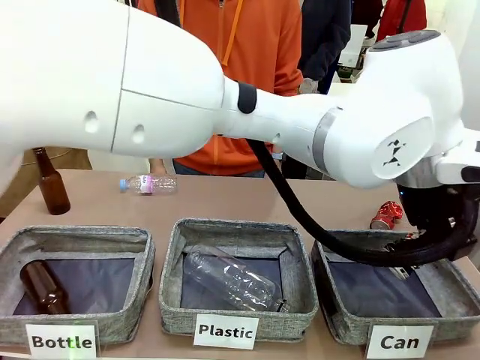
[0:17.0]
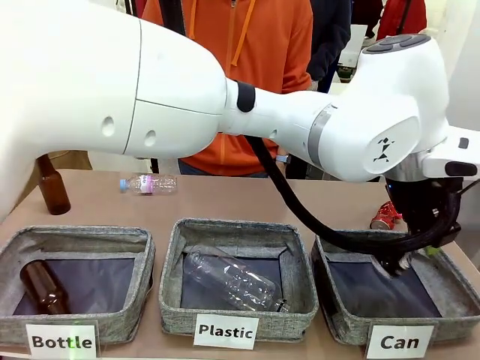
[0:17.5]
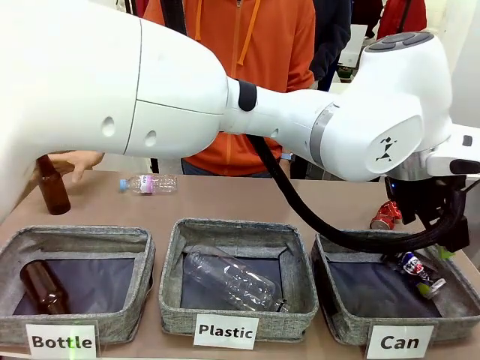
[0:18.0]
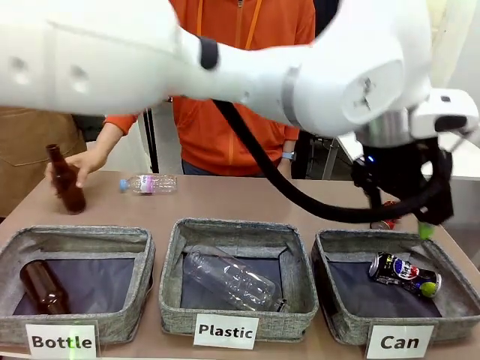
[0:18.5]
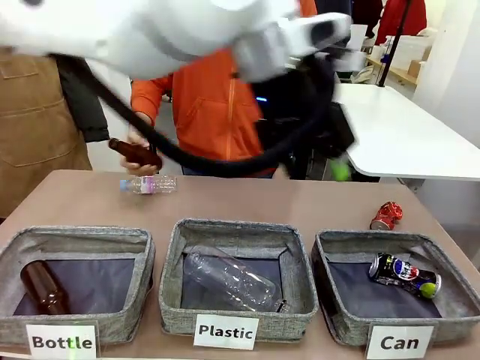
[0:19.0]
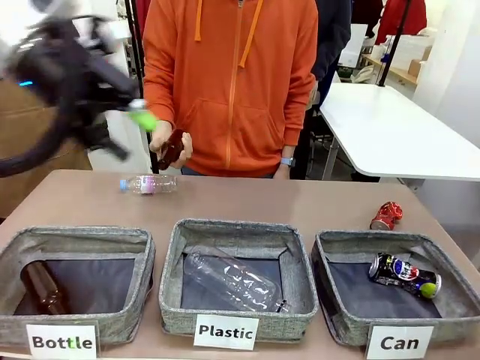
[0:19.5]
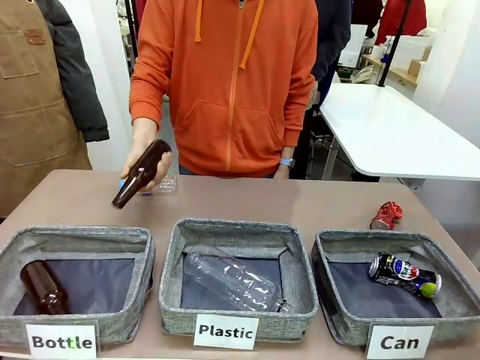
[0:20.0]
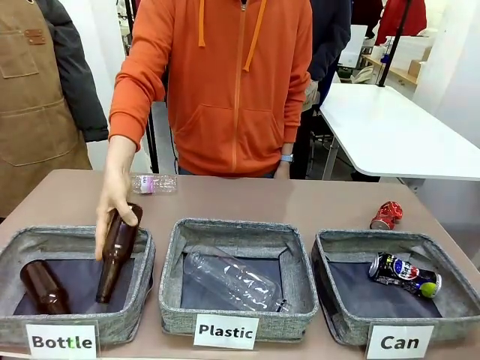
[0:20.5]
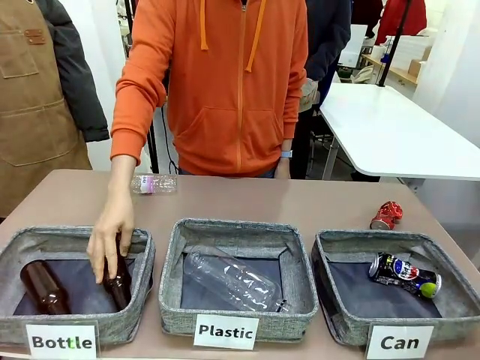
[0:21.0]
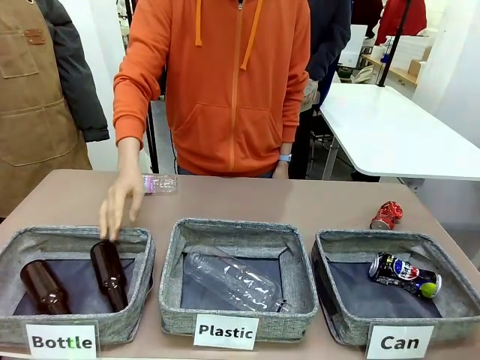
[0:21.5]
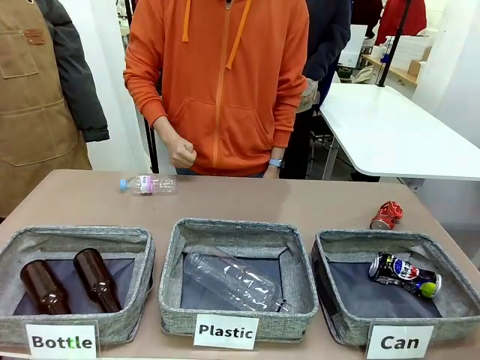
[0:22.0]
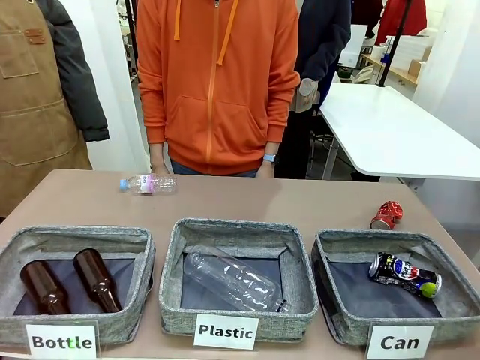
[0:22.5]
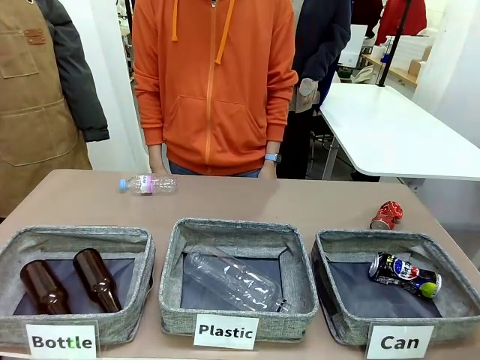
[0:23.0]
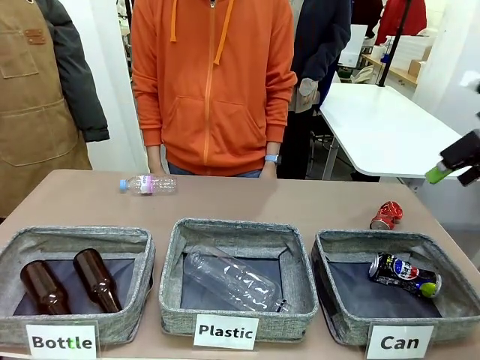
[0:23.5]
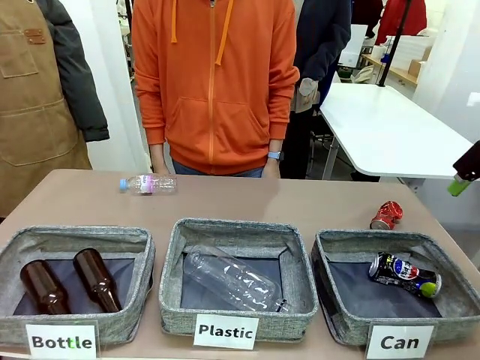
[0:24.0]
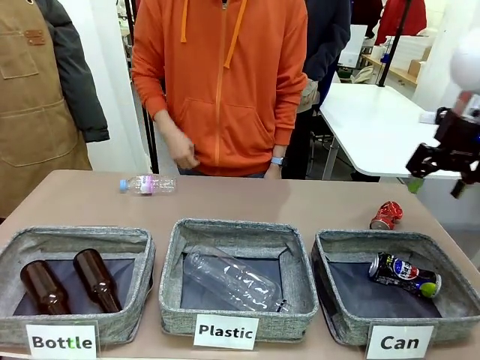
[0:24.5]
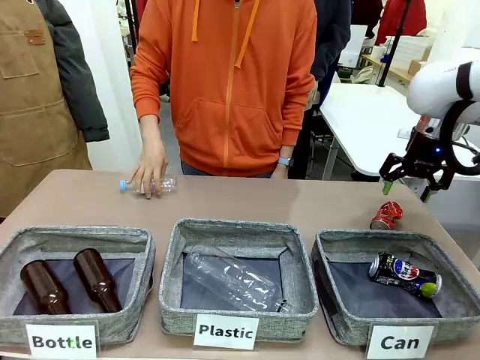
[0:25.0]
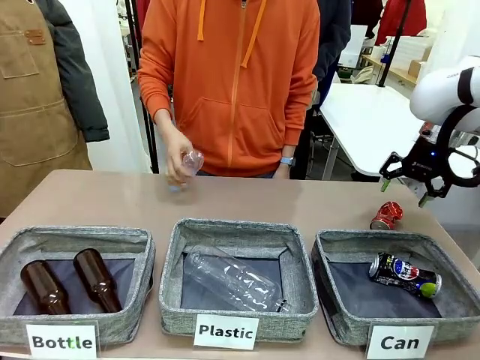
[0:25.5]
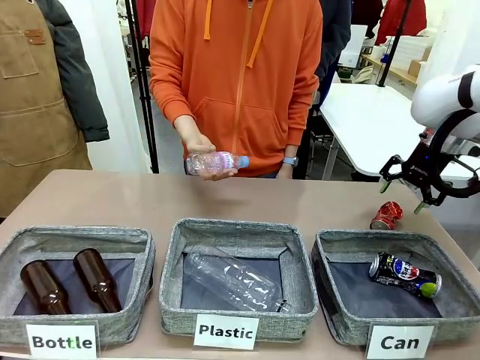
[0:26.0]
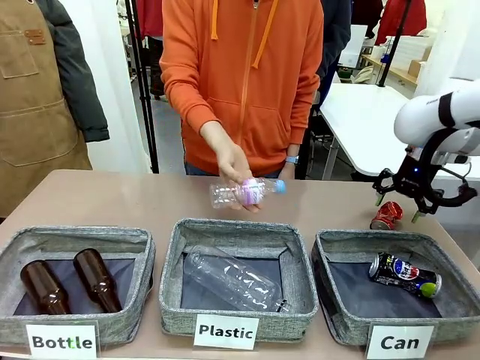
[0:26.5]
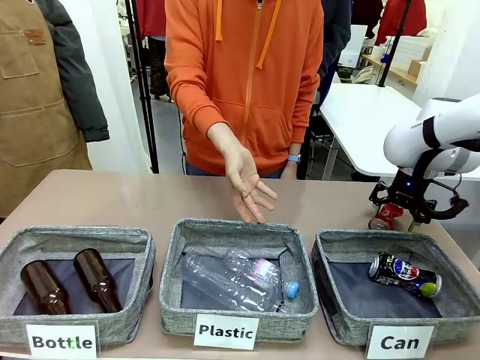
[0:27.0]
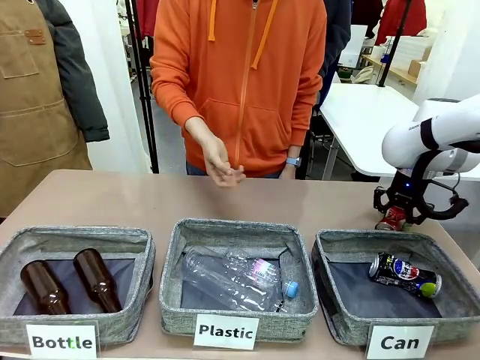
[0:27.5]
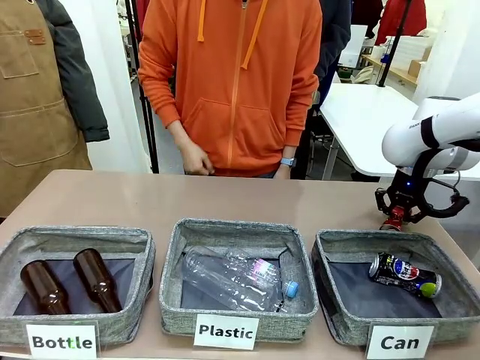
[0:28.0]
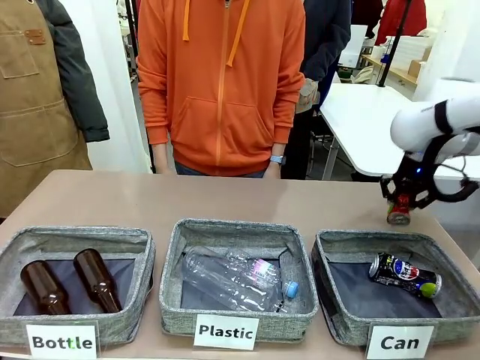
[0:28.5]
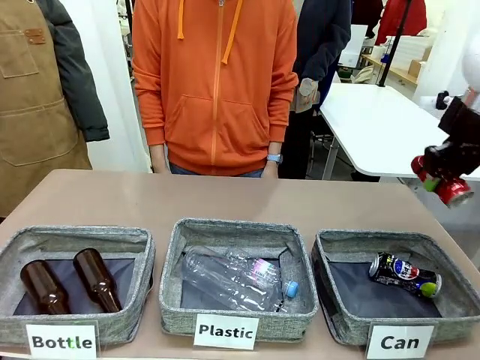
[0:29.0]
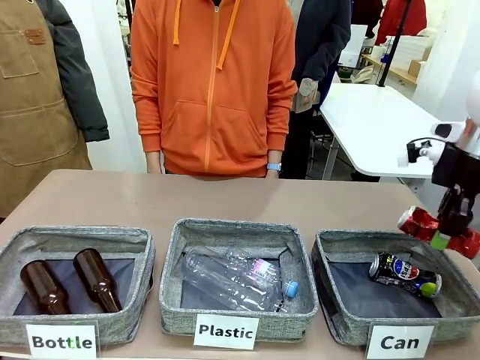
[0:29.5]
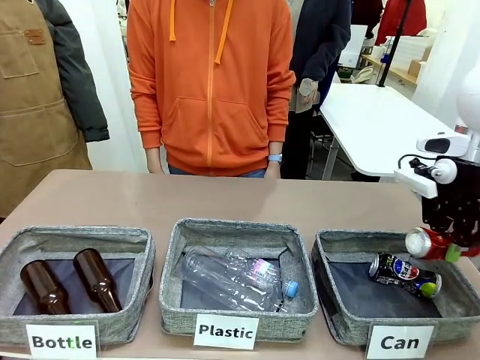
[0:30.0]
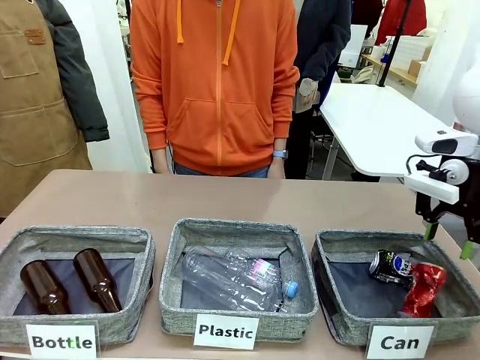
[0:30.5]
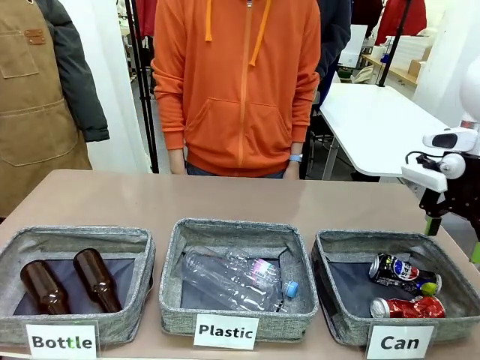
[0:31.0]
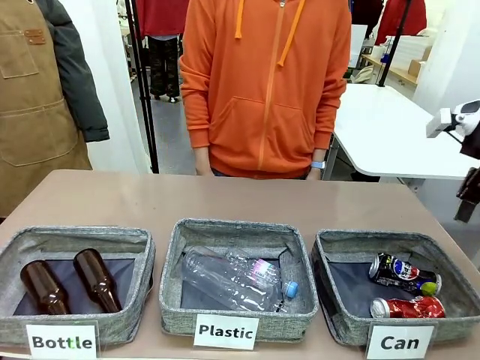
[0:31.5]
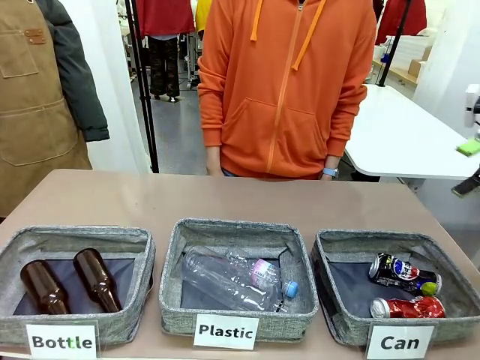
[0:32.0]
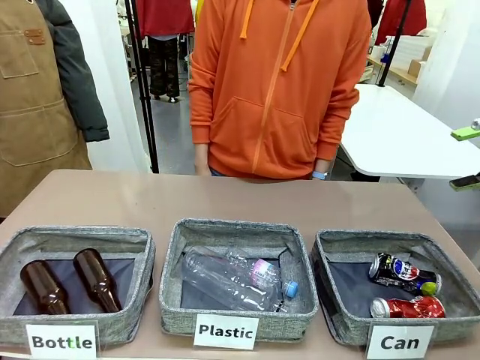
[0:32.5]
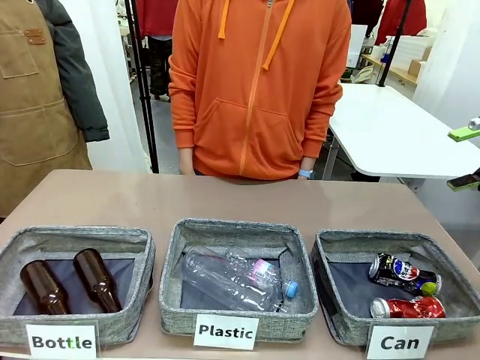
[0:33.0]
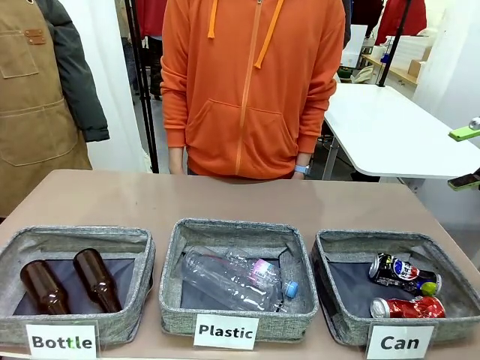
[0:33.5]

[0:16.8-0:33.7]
Task: Sort the can waste into the basket.
Robot: Pick up the can waste from the table and place it in the right Fabric basket.
Person: The human picks up one piece of trash that is not a can and places the trash into the appropriate organizing basket.

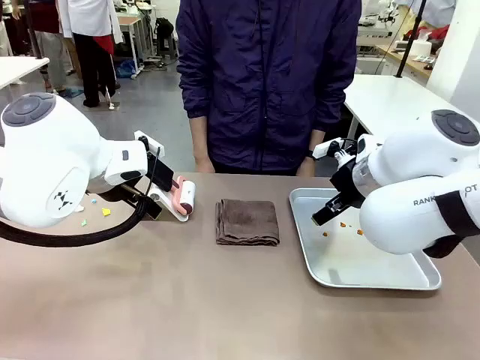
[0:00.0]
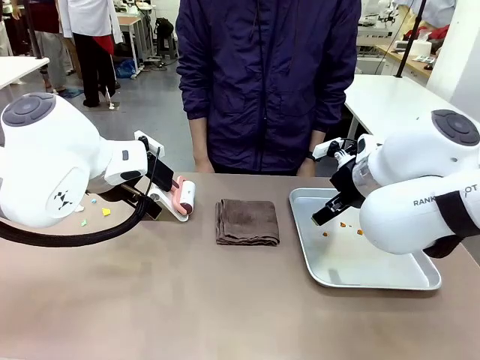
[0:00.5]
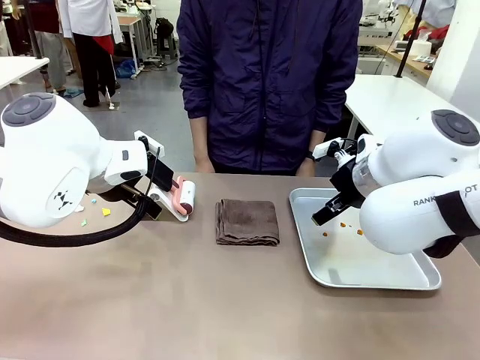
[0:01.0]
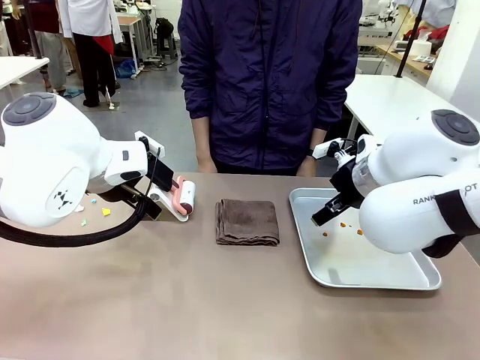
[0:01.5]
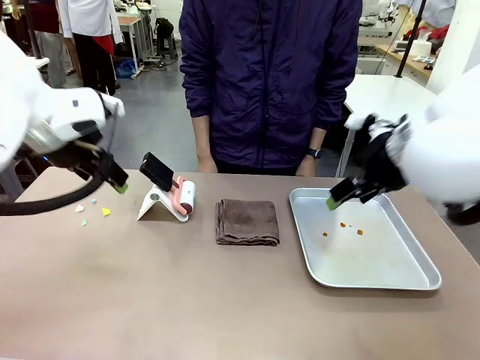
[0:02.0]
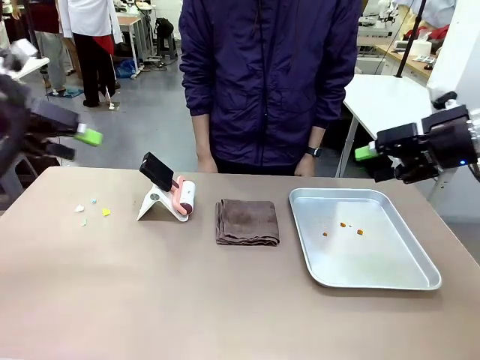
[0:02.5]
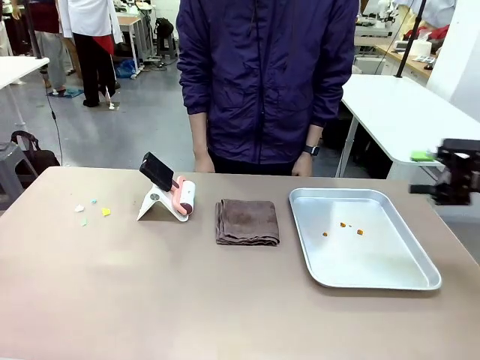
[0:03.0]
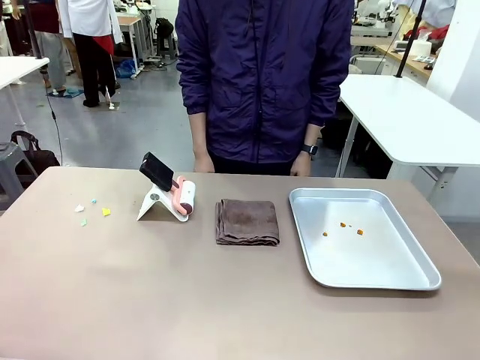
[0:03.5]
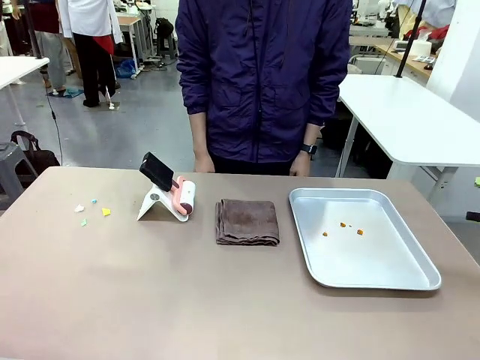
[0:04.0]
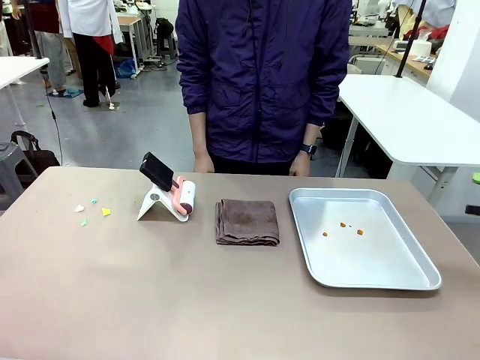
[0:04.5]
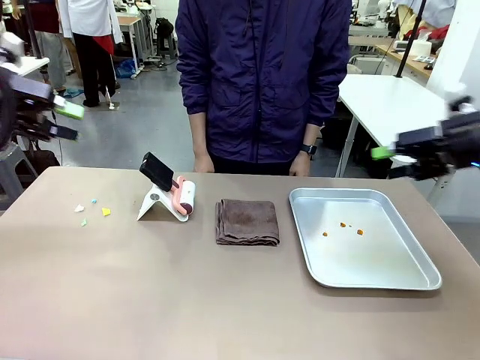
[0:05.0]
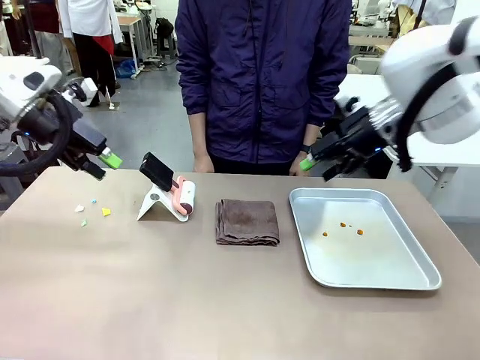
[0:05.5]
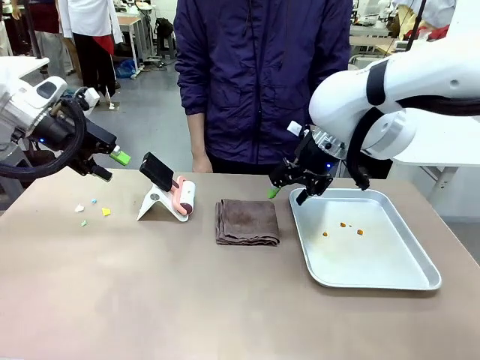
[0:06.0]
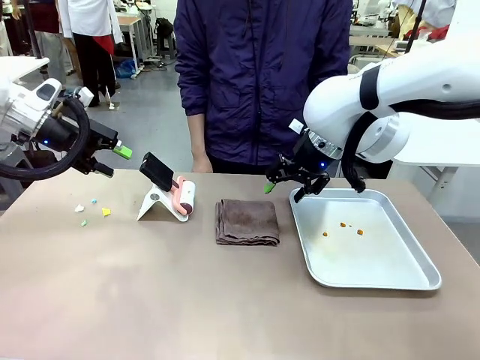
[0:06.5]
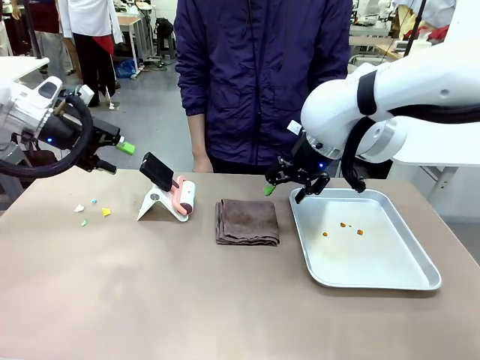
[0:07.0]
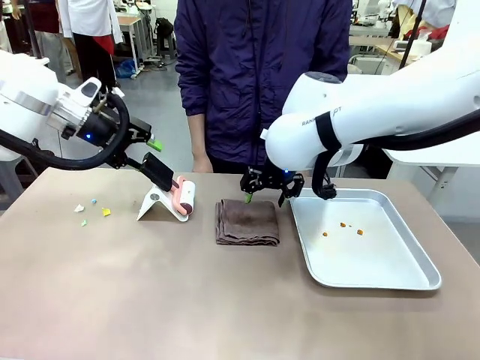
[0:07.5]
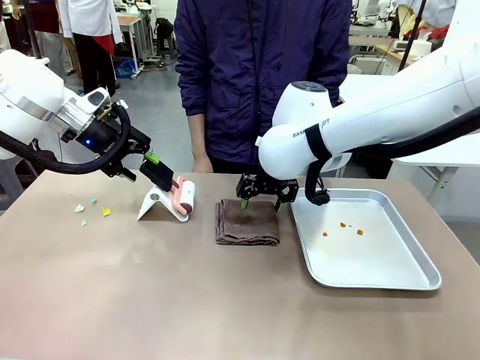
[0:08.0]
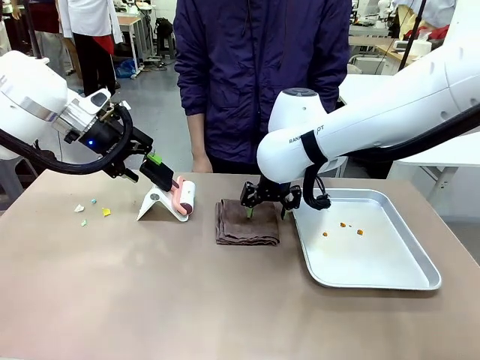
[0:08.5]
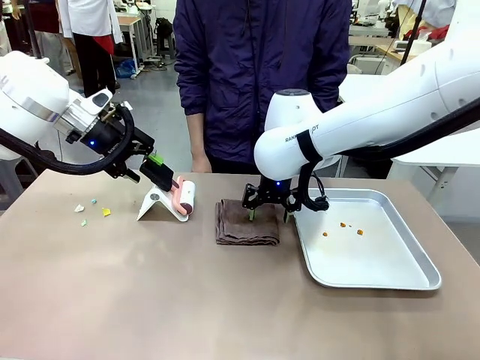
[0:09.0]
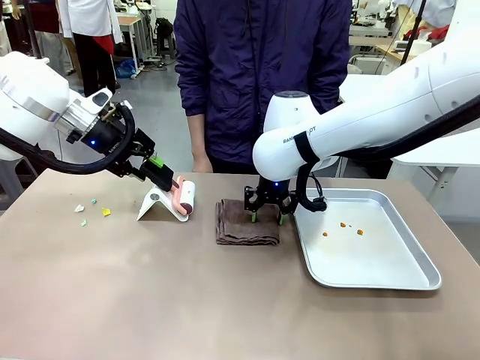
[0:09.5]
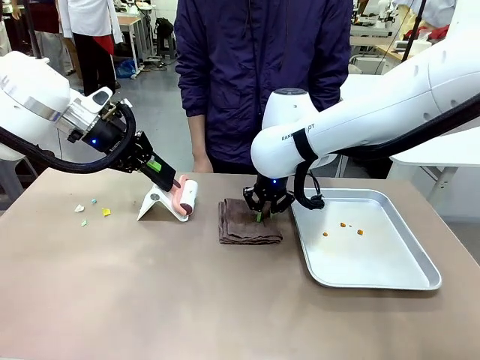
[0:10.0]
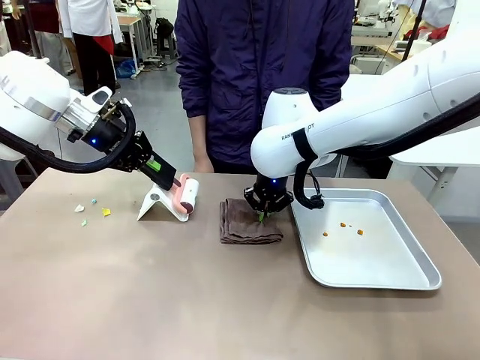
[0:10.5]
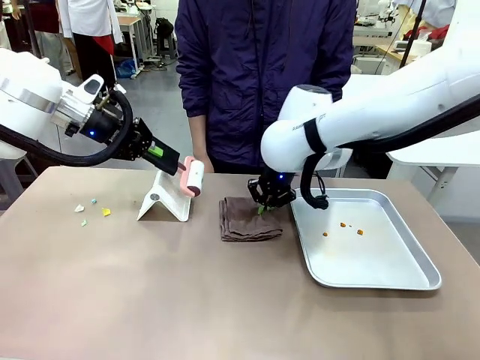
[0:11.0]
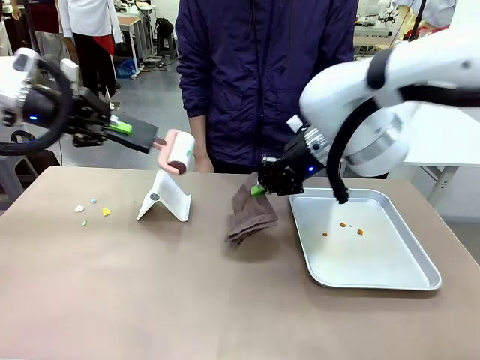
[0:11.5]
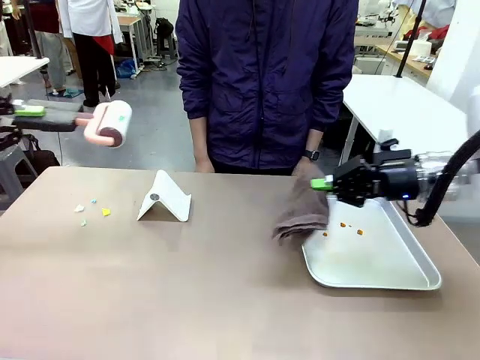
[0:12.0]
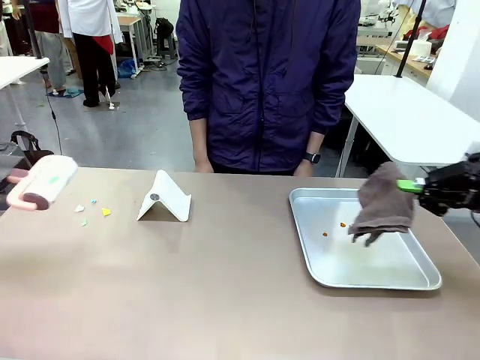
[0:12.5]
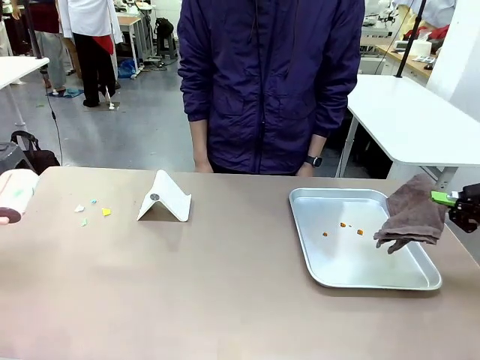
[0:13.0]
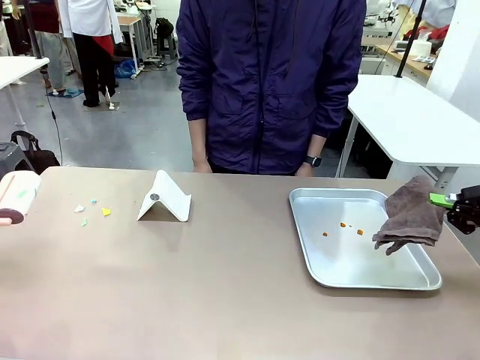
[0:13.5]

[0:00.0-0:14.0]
Task: Clean the surface of the table.
Robot: Hold the Lint Roller with your left hand and the towel with your right hand.
